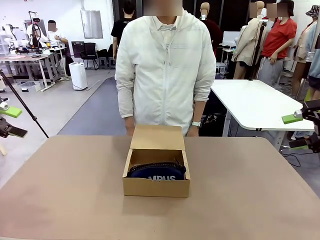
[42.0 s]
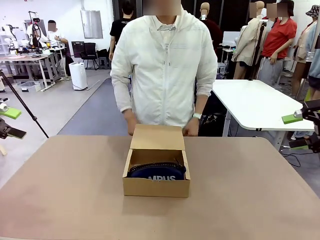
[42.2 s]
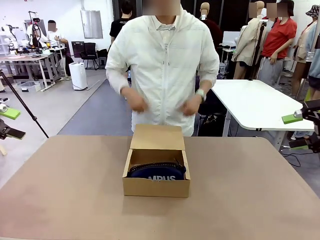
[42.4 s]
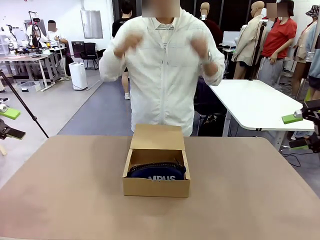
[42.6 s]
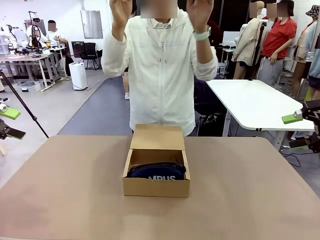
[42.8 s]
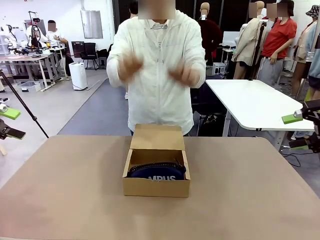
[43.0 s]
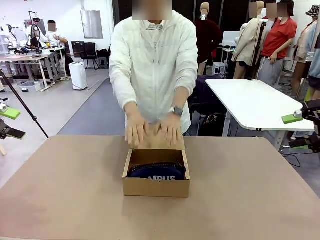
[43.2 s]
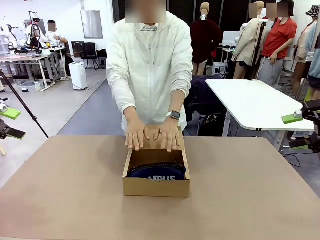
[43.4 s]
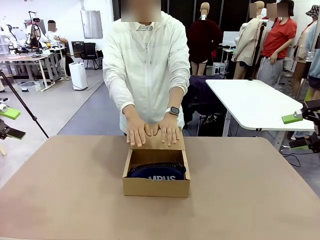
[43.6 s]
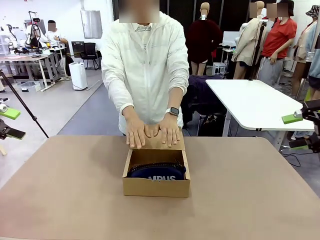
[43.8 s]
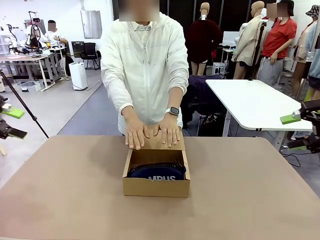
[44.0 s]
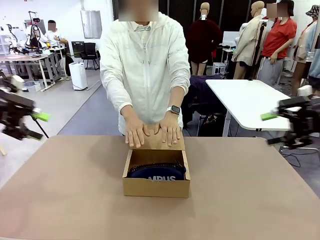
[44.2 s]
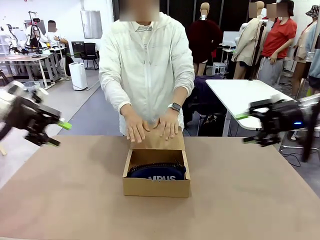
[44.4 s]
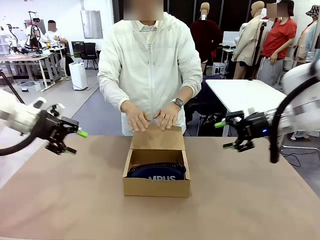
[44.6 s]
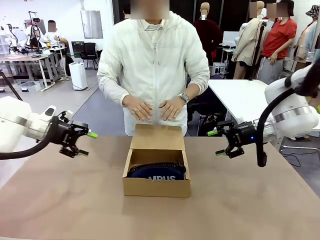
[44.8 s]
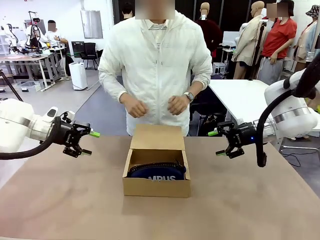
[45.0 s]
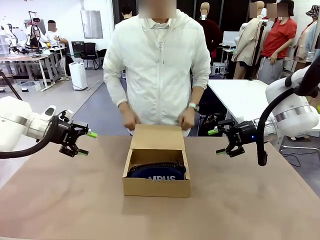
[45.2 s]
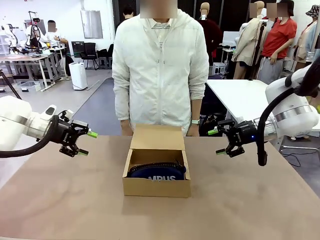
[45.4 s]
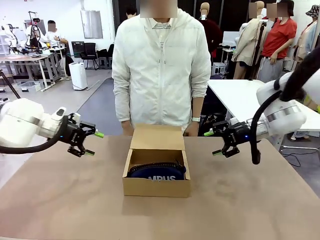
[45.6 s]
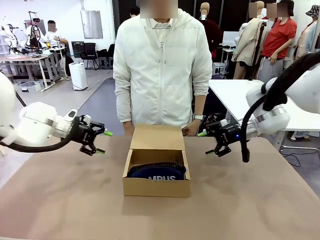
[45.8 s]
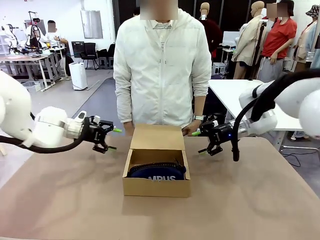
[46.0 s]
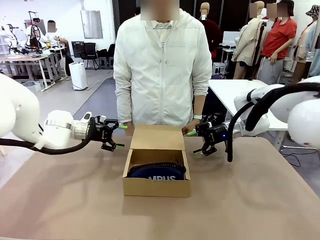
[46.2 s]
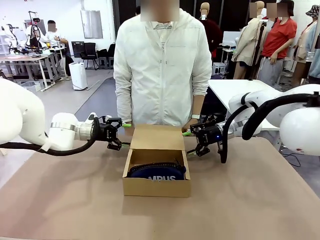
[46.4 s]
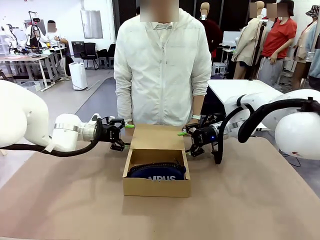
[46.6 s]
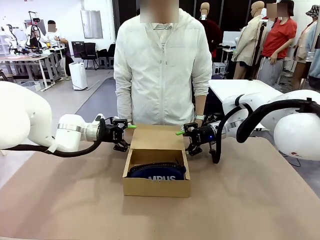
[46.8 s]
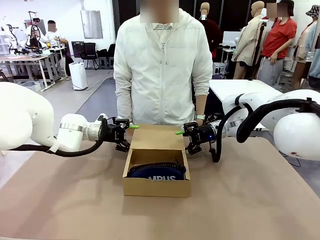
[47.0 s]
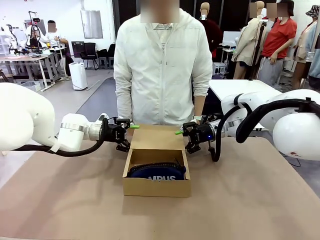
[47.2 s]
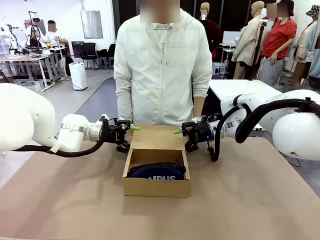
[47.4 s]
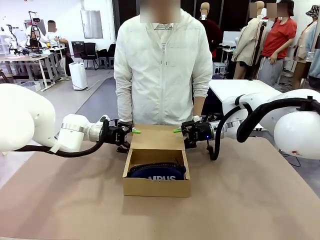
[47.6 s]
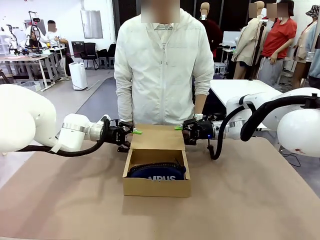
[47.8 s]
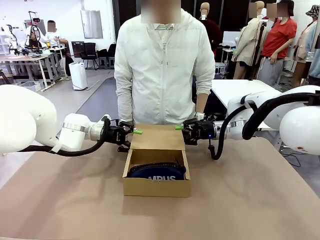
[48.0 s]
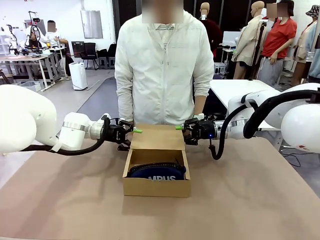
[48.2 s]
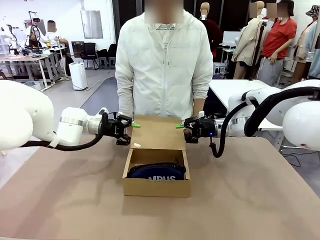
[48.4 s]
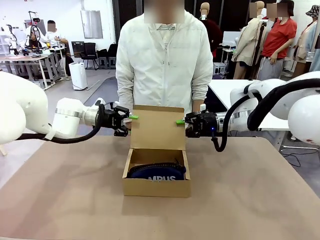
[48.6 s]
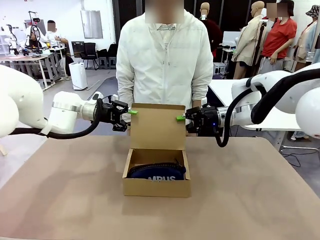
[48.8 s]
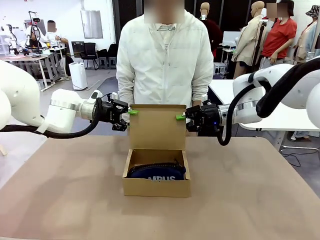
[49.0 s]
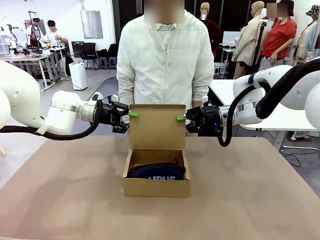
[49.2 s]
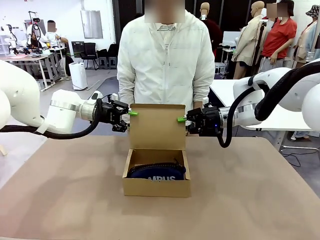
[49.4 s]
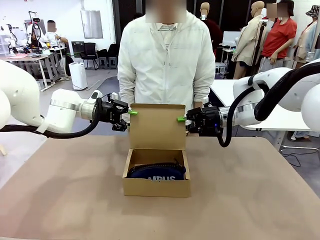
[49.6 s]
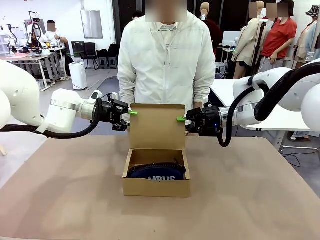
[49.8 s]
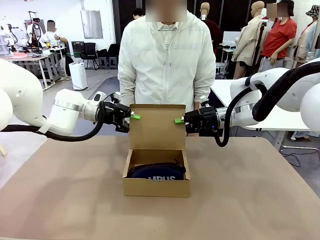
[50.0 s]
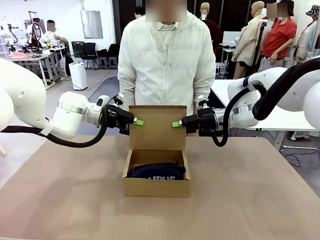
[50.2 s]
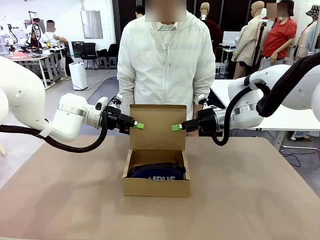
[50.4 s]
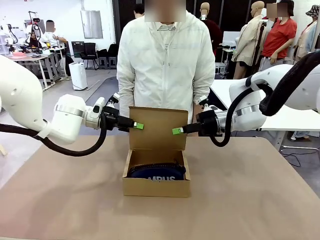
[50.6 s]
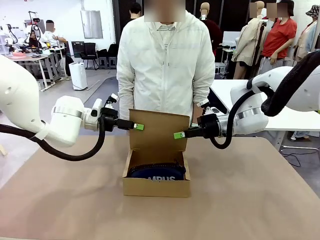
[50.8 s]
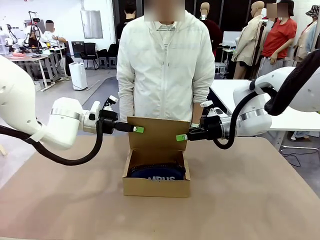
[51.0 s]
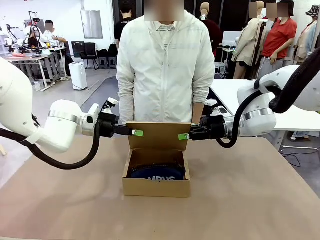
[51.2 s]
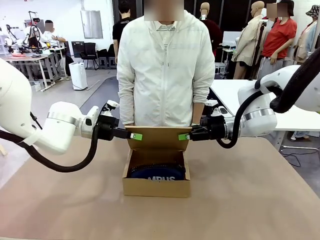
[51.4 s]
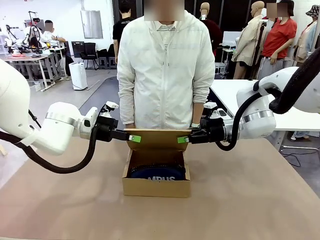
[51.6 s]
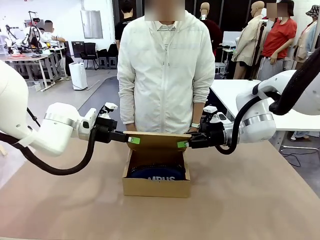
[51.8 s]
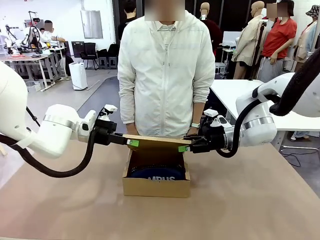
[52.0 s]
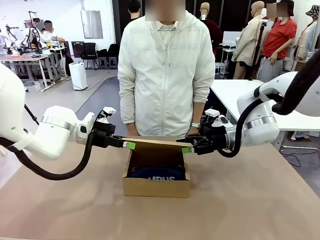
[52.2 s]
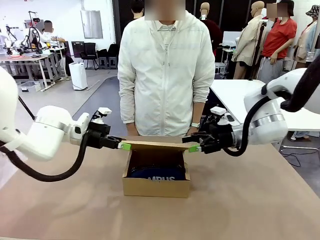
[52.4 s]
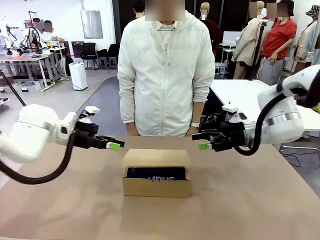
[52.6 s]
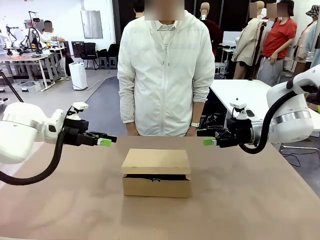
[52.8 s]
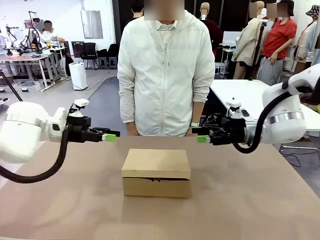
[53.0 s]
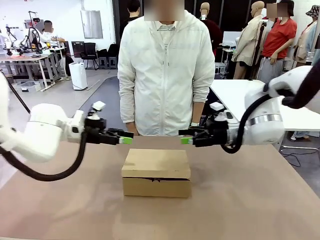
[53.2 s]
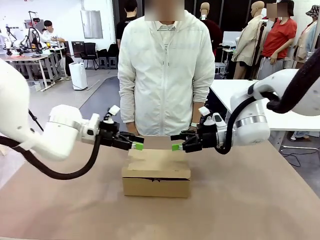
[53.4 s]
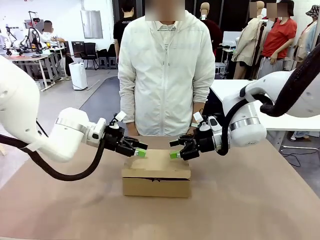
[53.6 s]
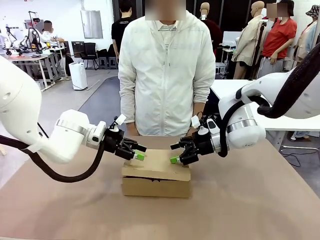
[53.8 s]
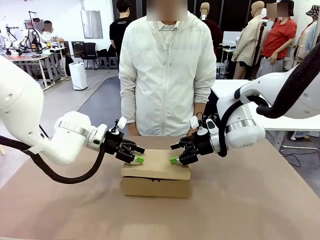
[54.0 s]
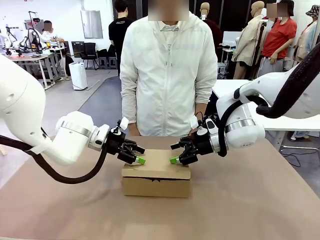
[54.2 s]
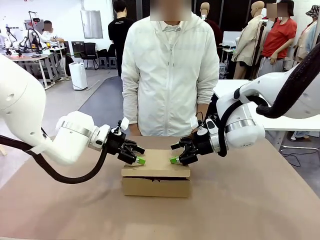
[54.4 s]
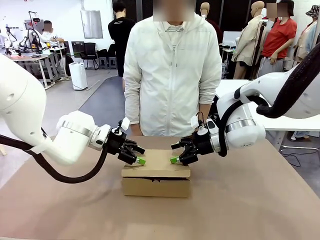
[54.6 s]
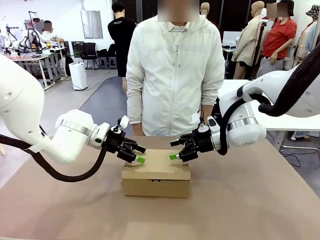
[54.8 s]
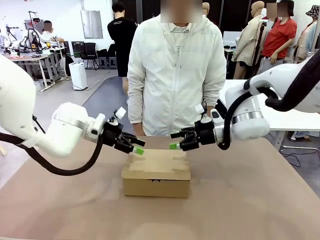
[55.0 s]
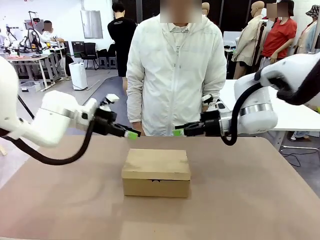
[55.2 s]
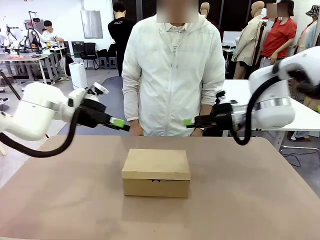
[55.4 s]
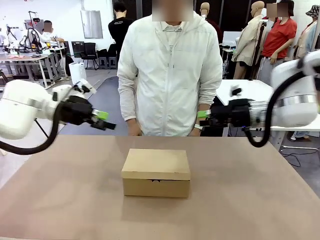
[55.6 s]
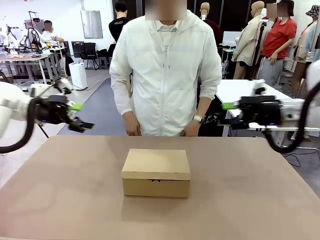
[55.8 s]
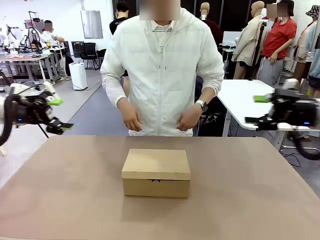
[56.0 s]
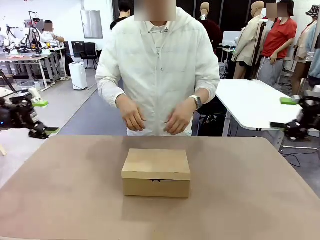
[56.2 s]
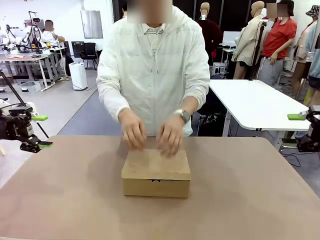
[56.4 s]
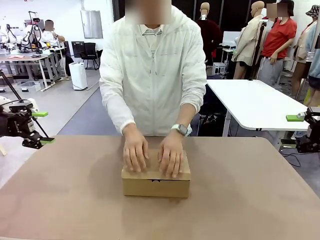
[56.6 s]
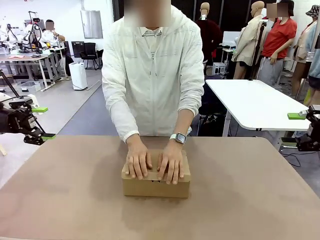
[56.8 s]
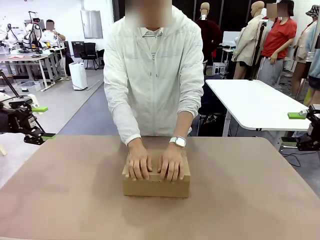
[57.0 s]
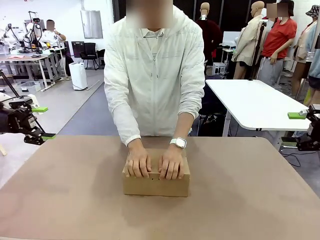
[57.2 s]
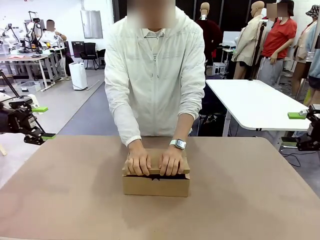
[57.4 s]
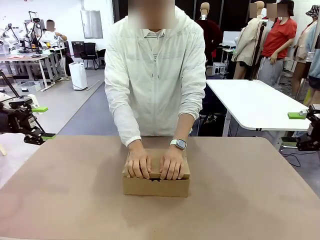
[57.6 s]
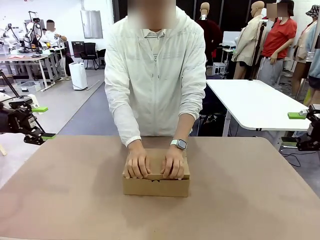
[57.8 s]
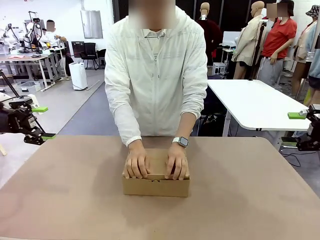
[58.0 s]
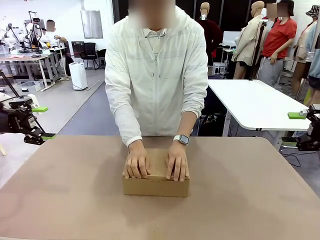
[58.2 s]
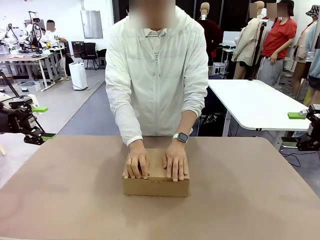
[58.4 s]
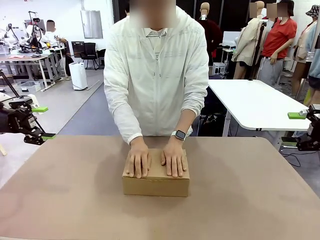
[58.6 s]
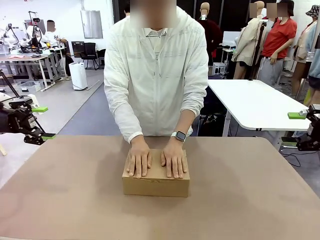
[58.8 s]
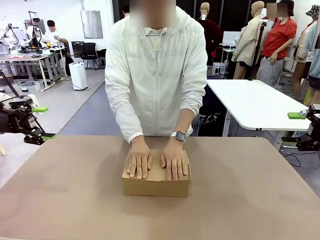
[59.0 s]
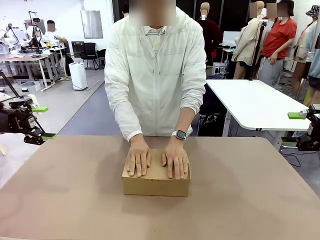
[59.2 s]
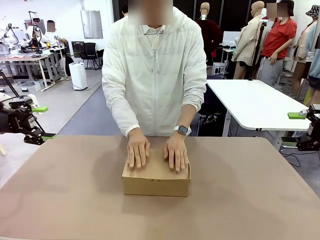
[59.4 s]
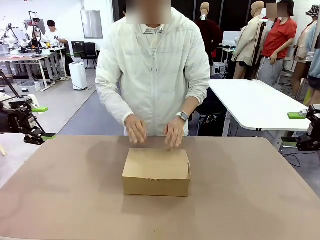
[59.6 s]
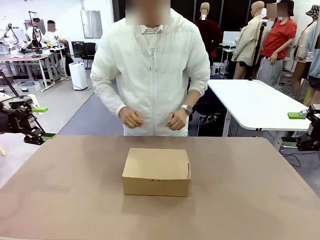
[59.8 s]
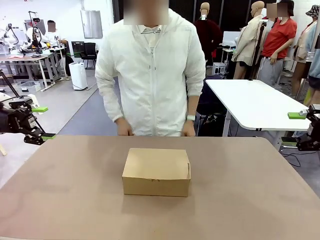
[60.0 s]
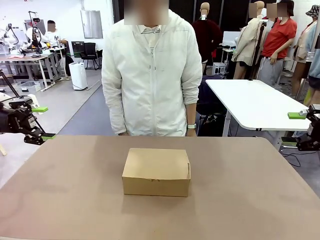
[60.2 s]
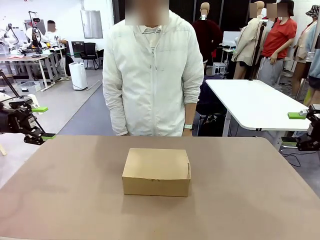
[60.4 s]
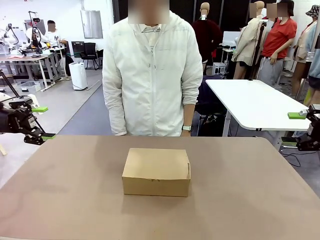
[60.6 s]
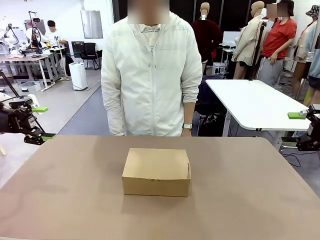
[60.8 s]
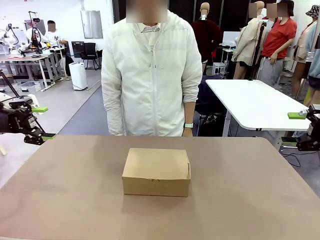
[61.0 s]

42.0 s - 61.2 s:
Task: Pack the items into the box.
Robot: Close the Mailer Box.
Person: Turn the box and lock it.
